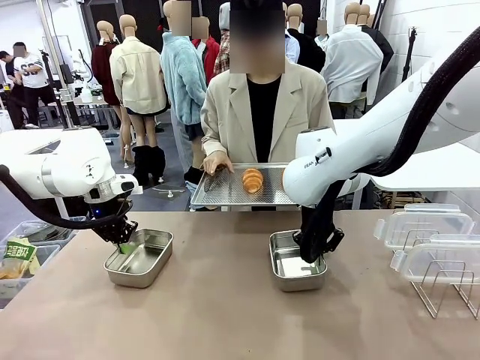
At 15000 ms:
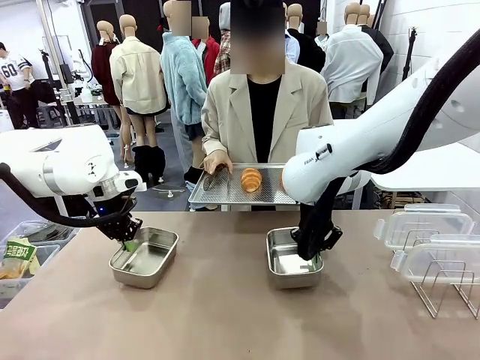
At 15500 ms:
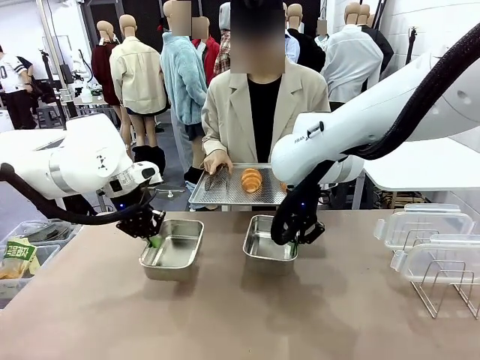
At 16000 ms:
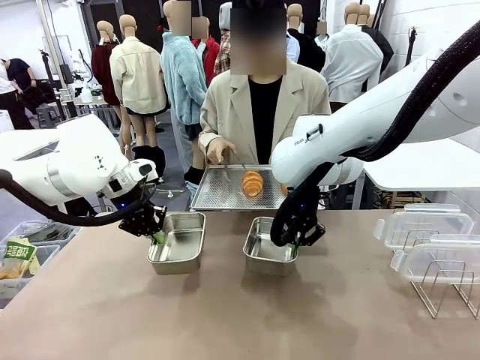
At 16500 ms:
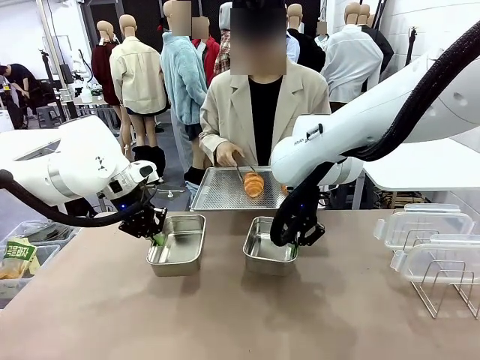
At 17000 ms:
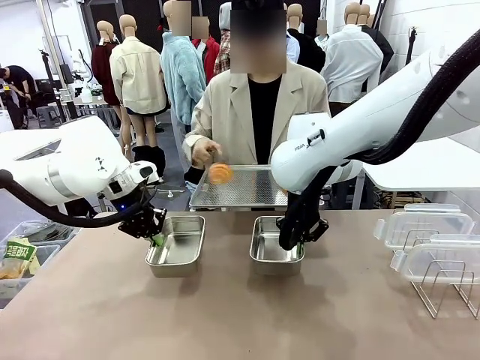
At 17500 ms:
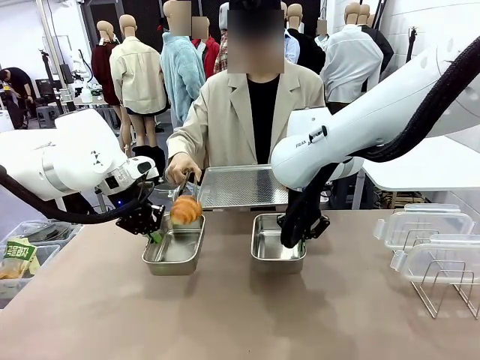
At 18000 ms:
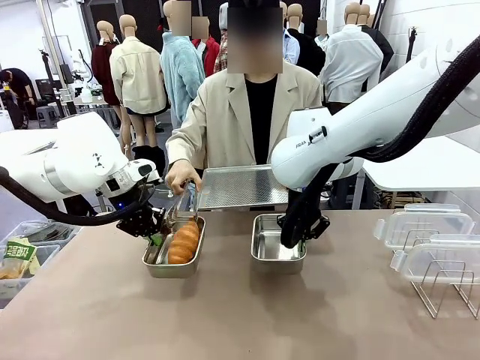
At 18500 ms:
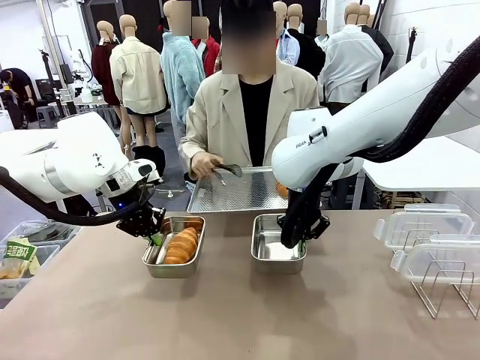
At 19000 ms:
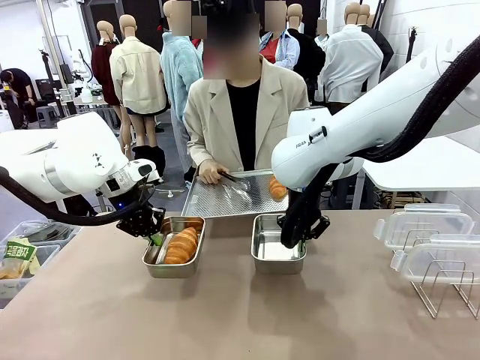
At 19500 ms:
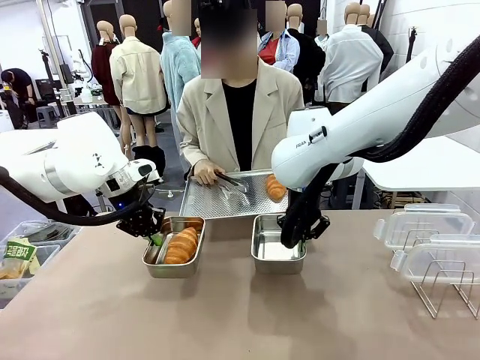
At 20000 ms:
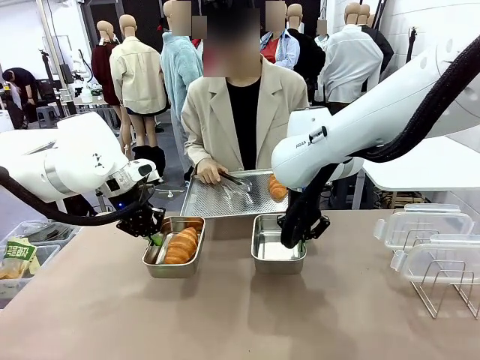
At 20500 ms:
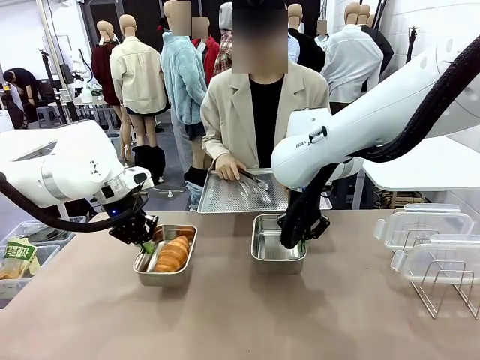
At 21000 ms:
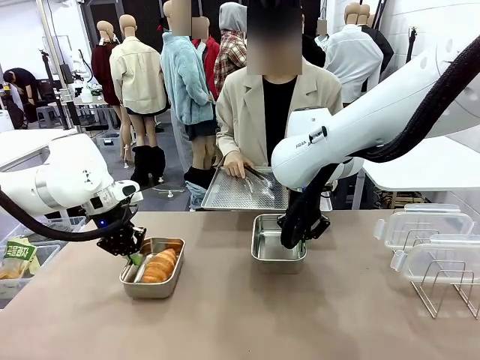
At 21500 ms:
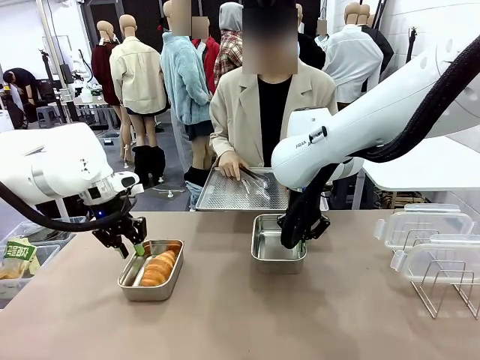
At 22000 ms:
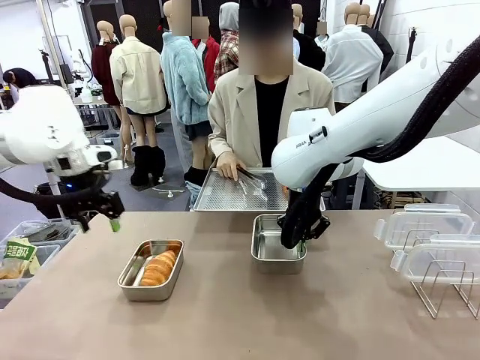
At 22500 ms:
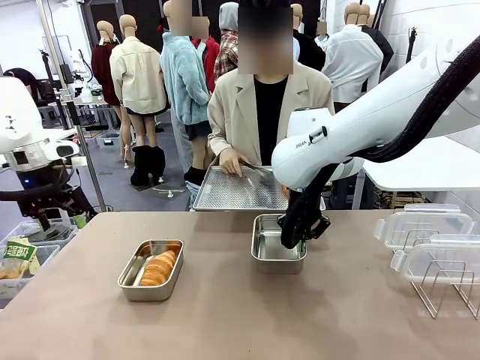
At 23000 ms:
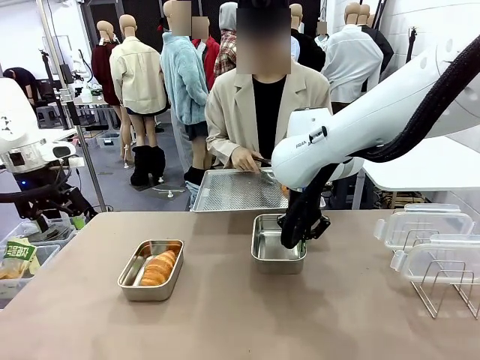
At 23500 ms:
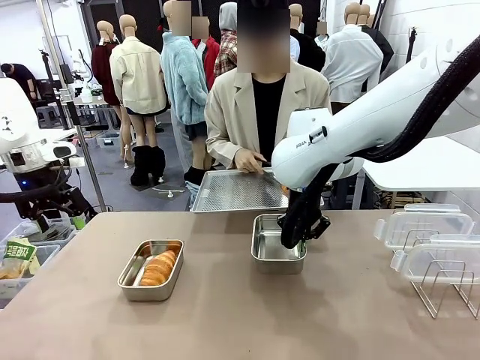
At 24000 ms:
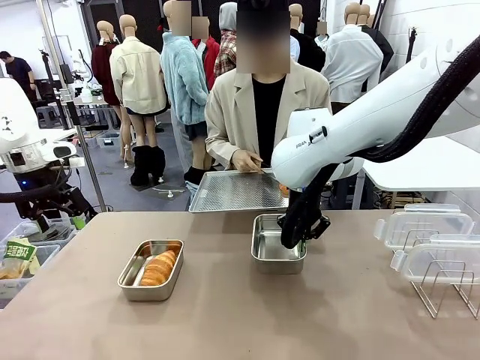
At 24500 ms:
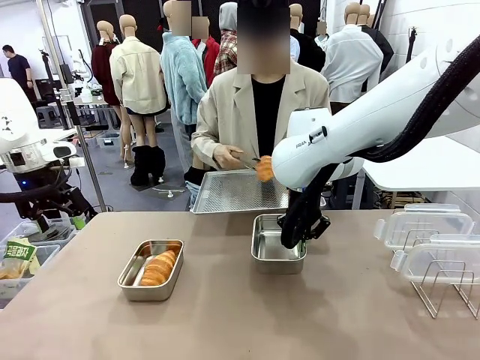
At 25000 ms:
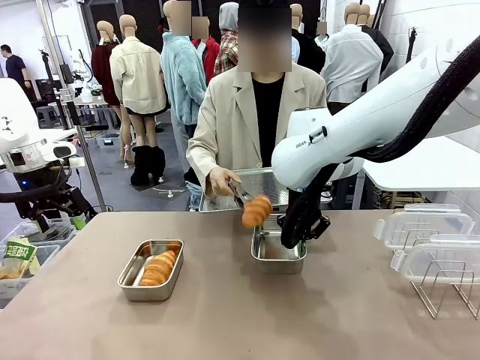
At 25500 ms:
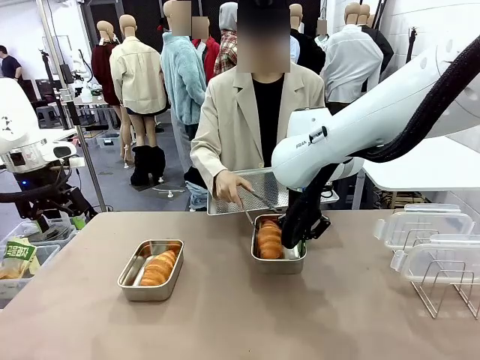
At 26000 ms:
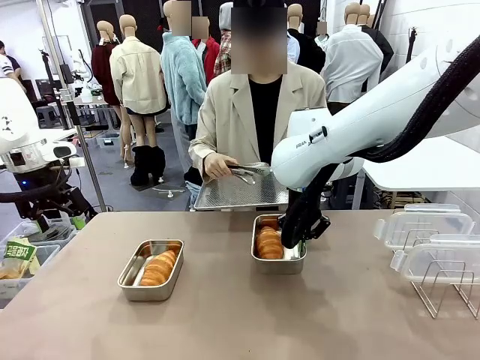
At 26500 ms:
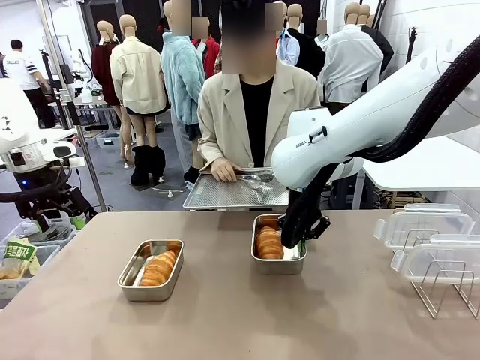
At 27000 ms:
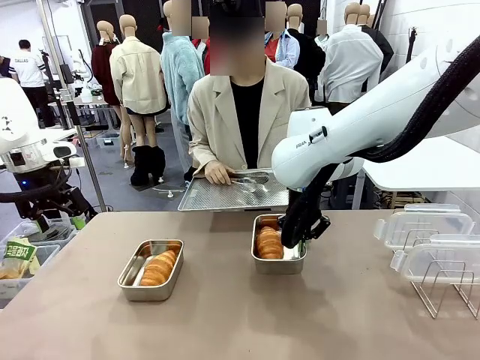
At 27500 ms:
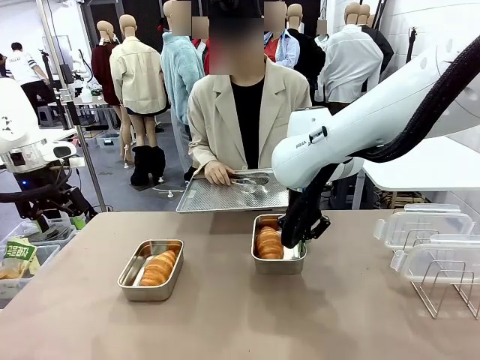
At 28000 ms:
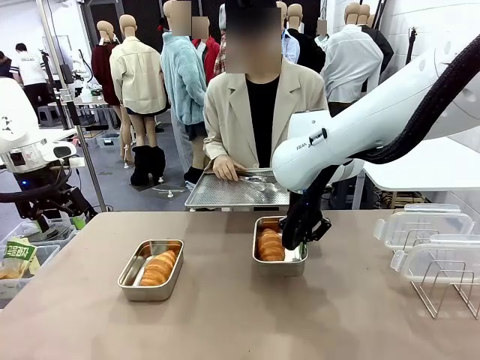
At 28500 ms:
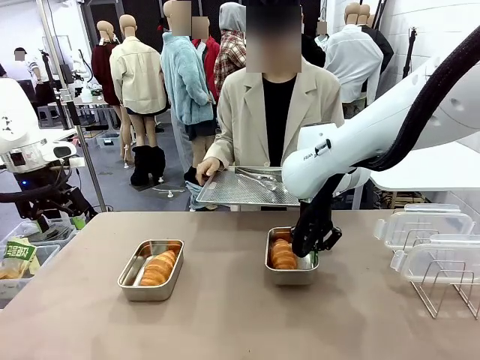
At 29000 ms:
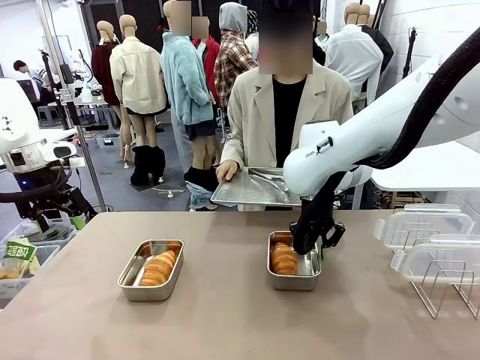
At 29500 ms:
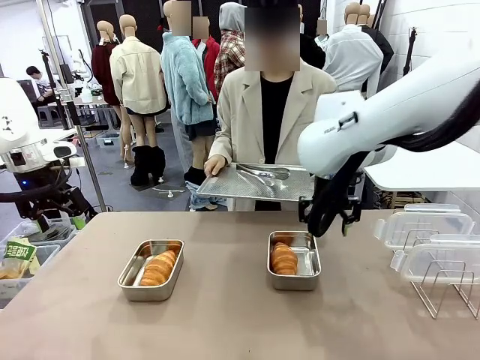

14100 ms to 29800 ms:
Task: Place the bread in airtight containers.
Robot: Once an object is inside an Airtight Container , place the container in the center of the table.
Person: Use the Stainless steel tongs to place one object from Baking Sheet into one Airtight Container.

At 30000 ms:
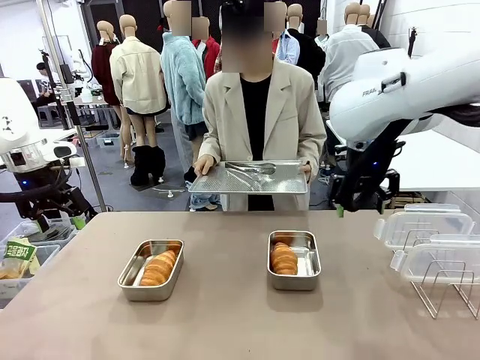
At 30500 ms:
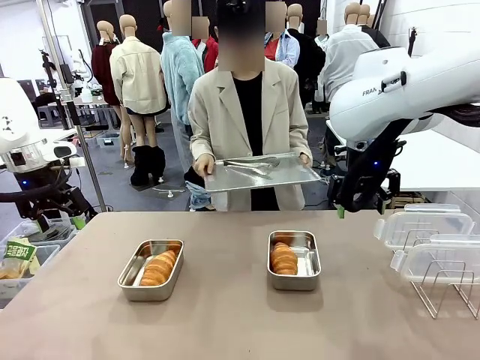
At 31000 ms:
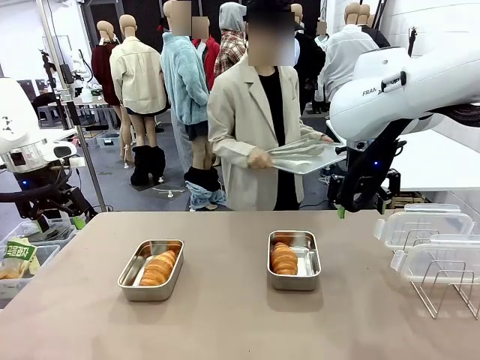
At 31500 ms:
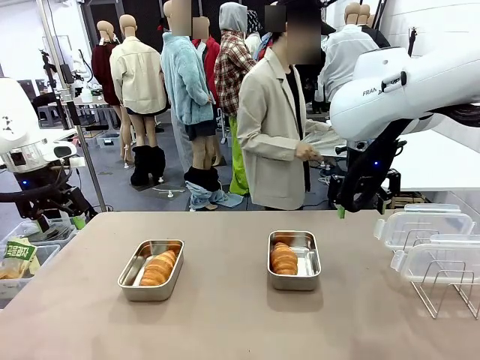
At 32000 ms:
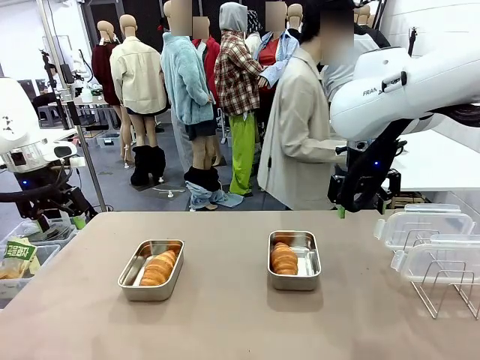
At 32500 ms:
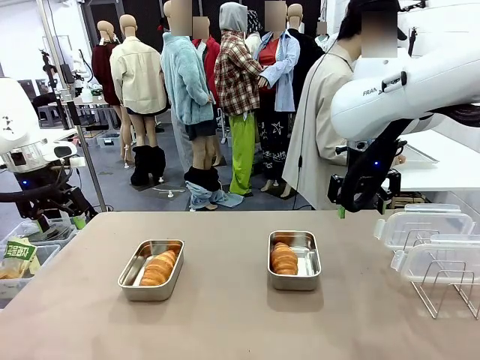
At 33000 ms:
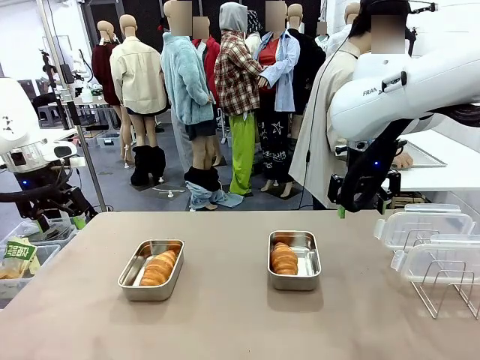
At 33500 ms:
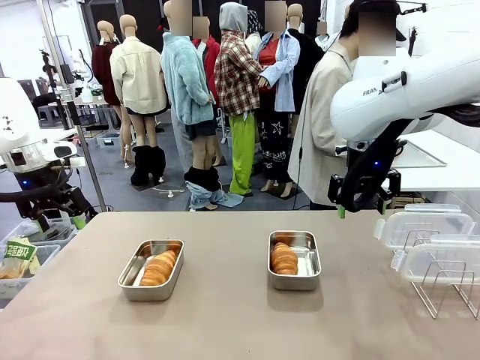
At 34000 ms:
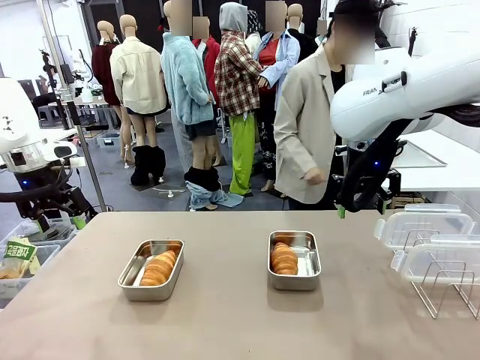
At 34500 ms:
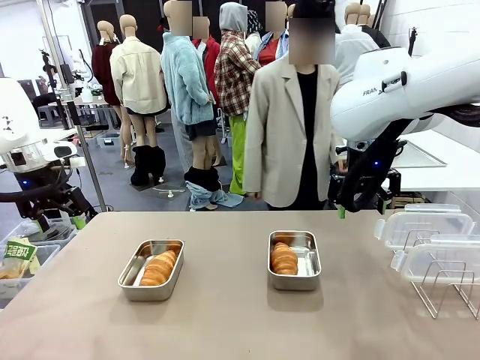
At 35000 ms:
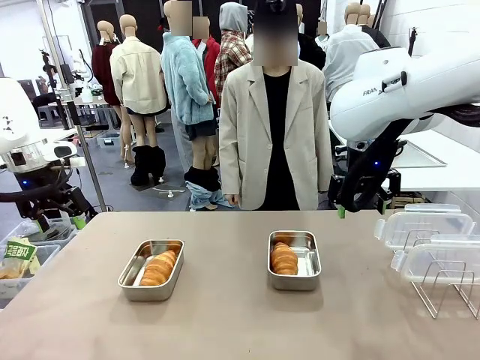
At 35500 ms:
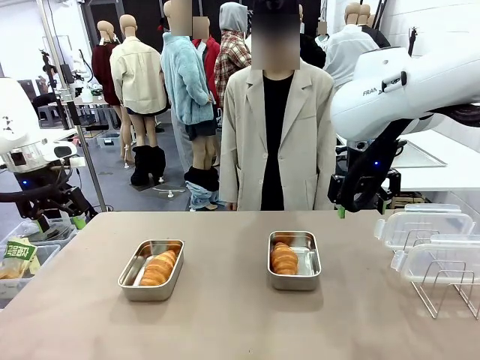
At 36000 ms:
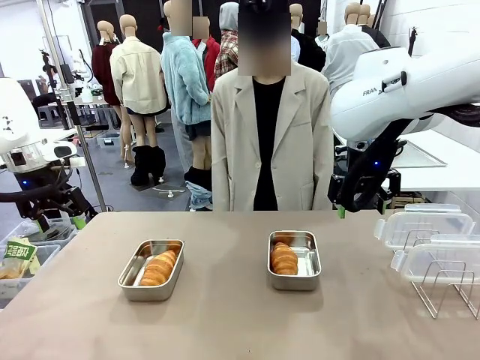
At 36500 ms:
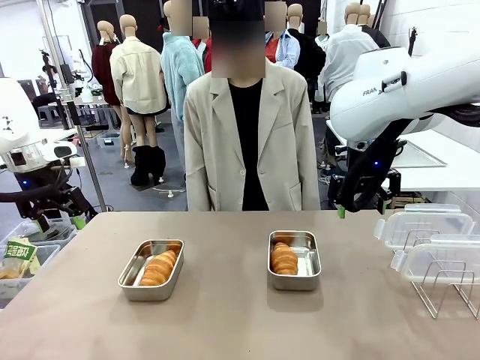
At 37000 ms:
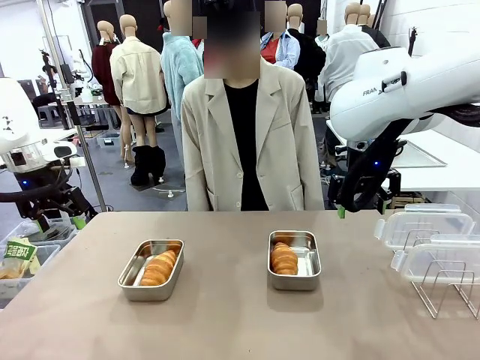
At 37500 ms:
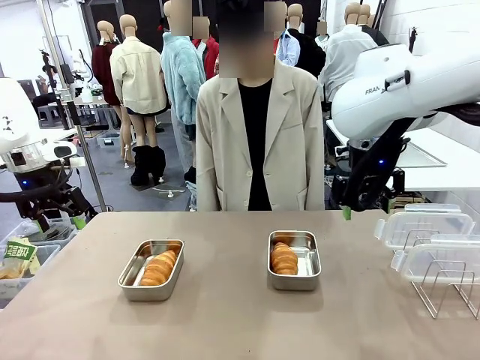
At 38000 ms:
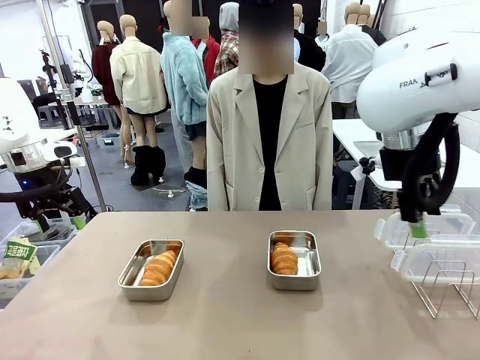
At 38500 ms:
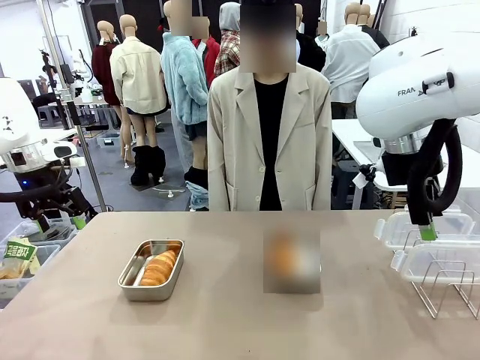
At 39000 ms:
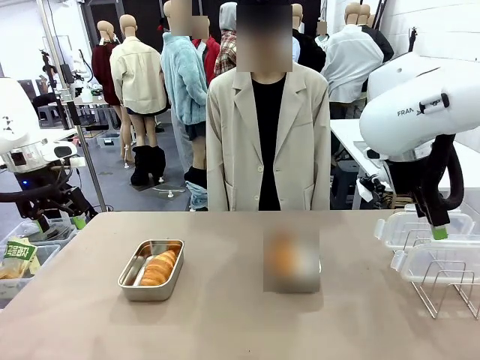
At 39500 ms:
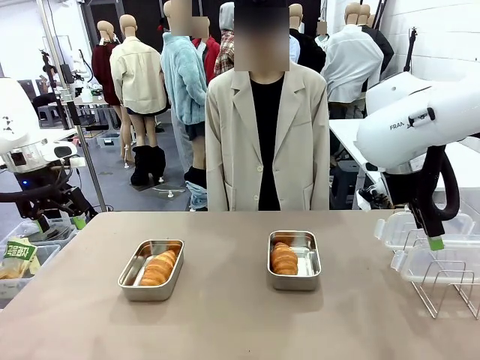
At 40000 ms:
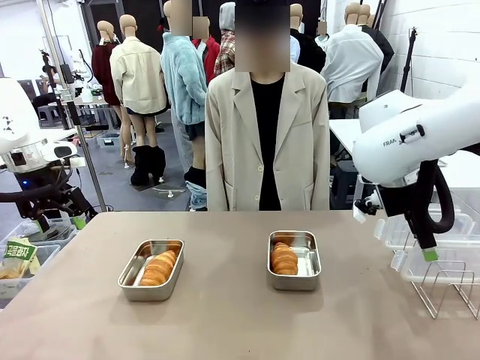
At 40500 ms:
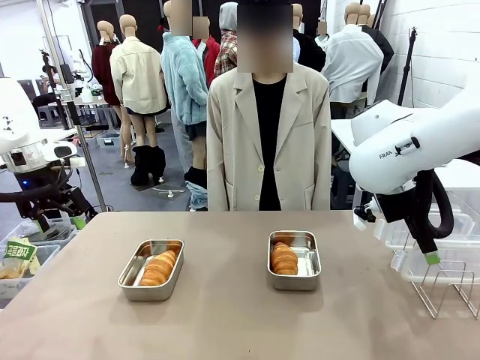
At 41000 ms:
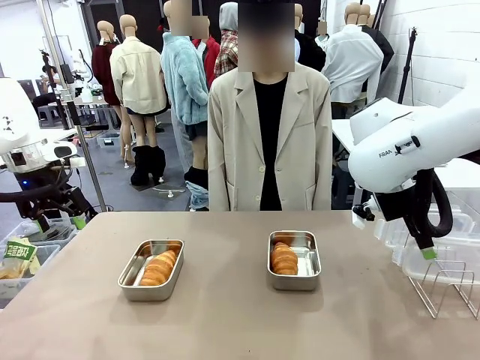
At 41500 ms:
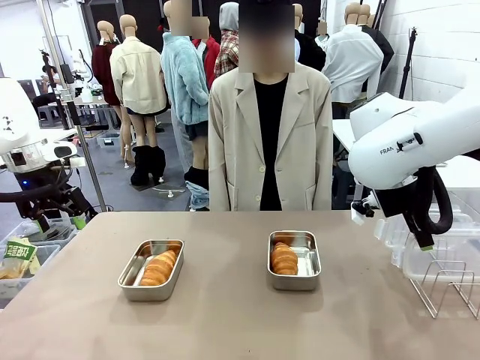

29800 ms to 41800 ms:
Robot: Pick up one Airtight Container lid and hand it to the human.
Person: Place Baking Sheet on the Human's Table. Grip Airtight Container lid that robot is handing.

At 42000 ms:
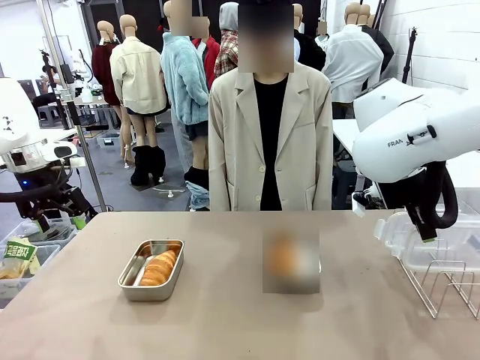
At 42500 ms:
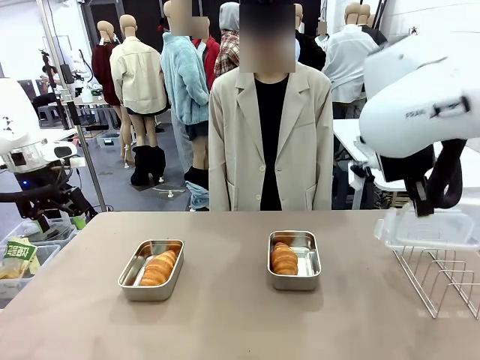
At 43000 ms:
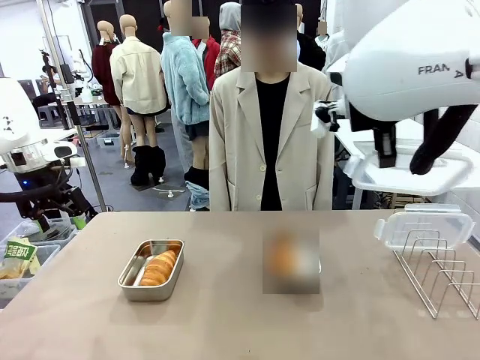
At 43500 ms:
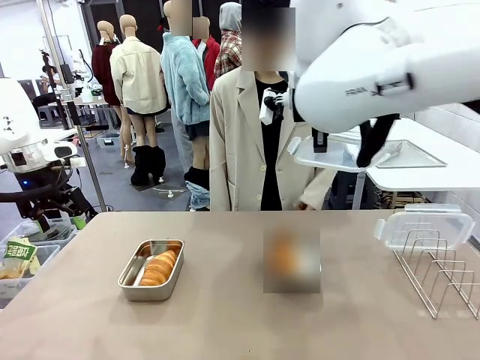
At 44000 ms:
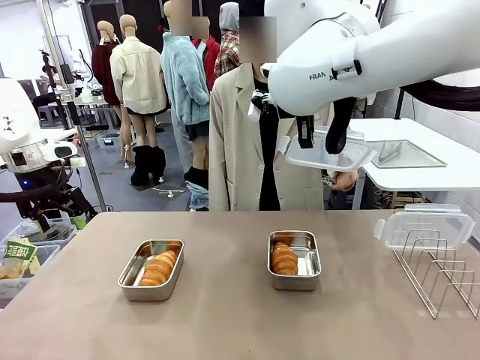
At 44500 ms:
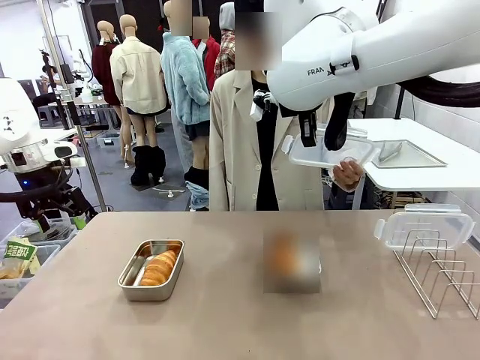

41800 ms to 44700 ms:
Robot: Release when the human grabs the Airtight Container lid.
